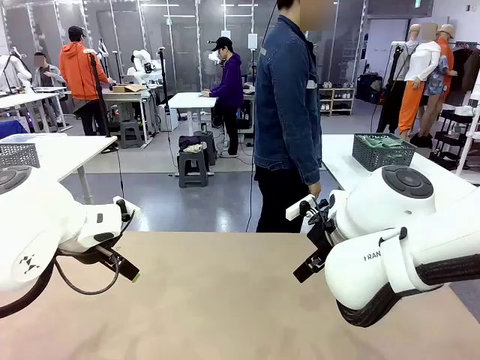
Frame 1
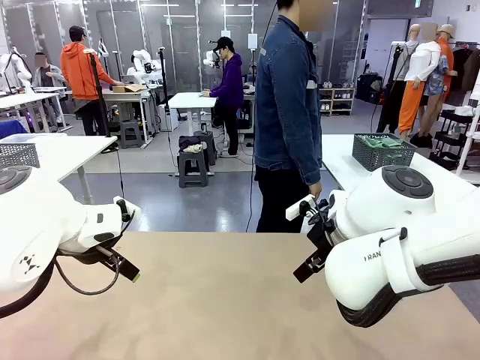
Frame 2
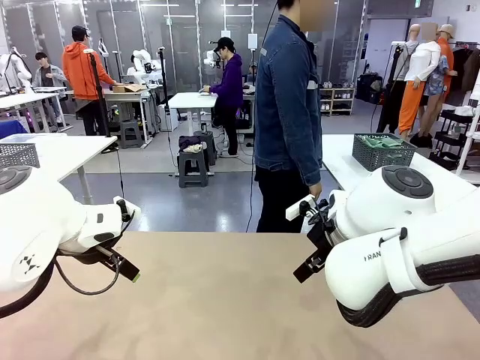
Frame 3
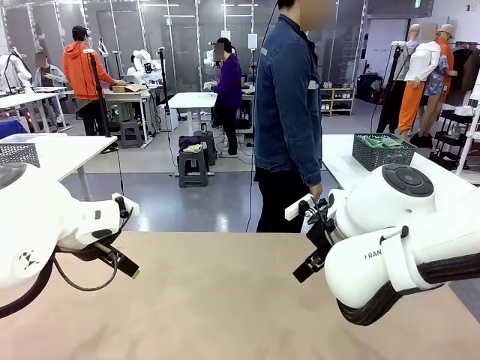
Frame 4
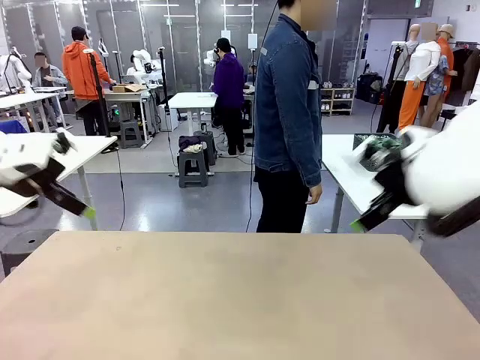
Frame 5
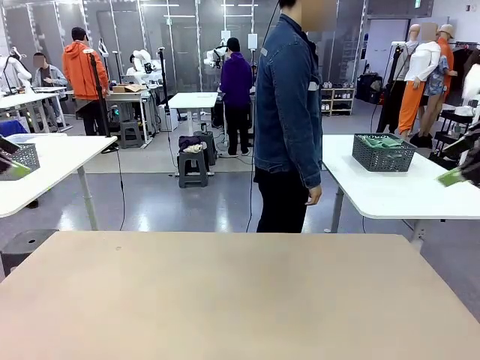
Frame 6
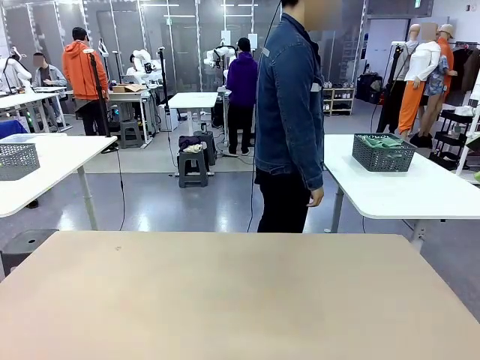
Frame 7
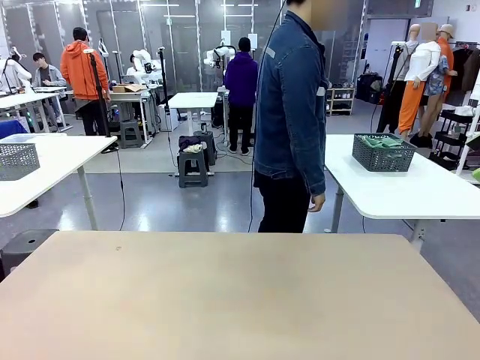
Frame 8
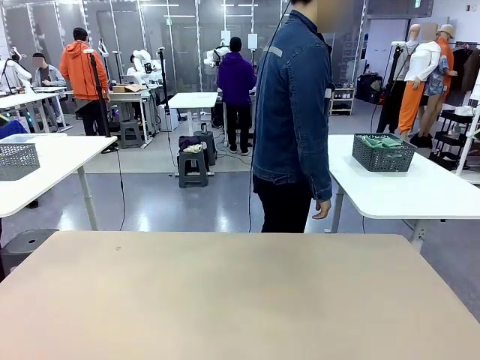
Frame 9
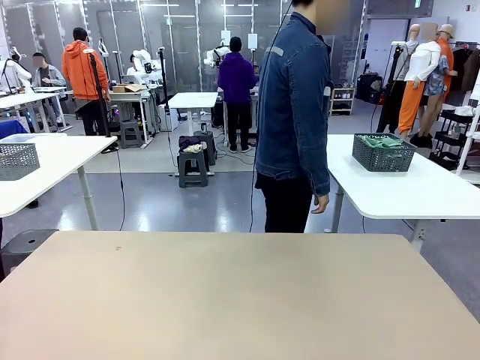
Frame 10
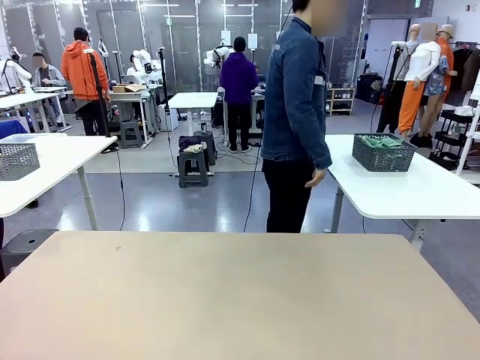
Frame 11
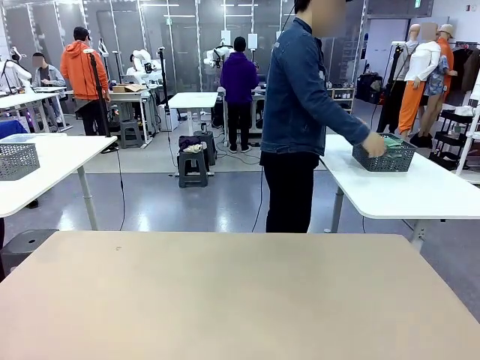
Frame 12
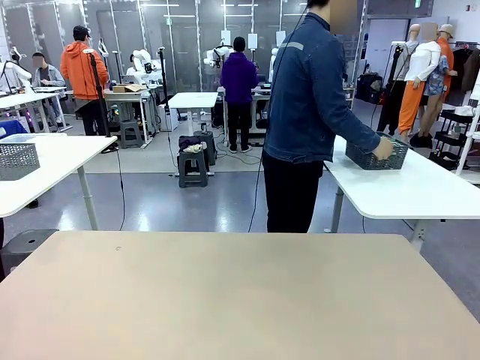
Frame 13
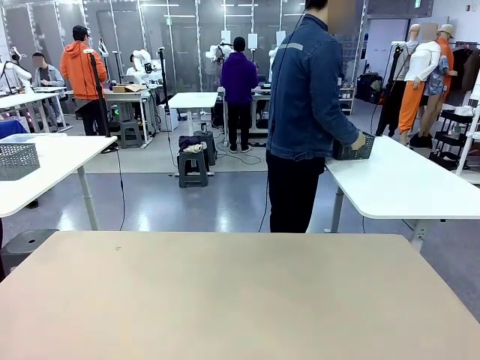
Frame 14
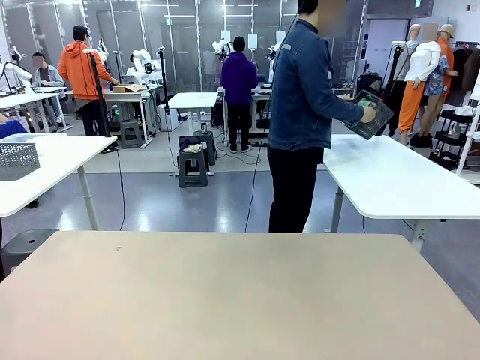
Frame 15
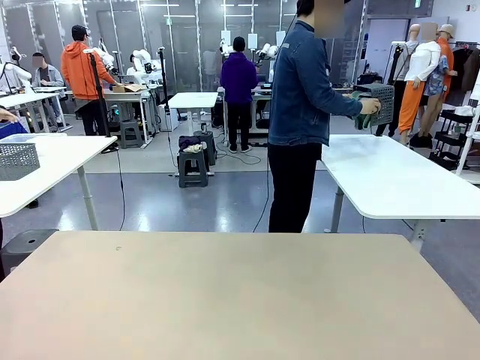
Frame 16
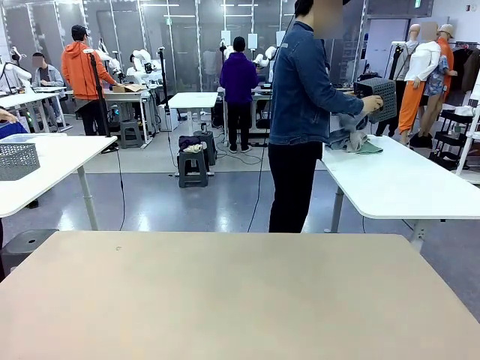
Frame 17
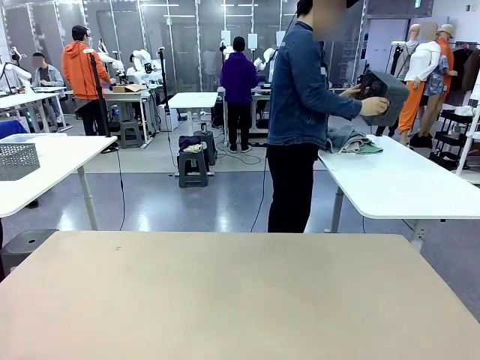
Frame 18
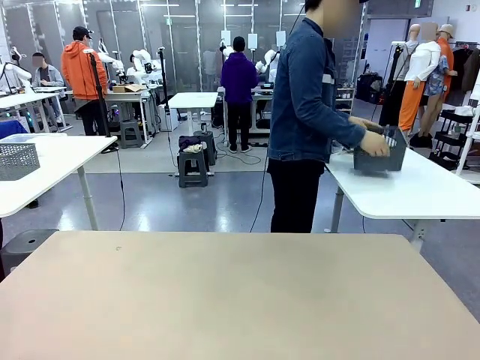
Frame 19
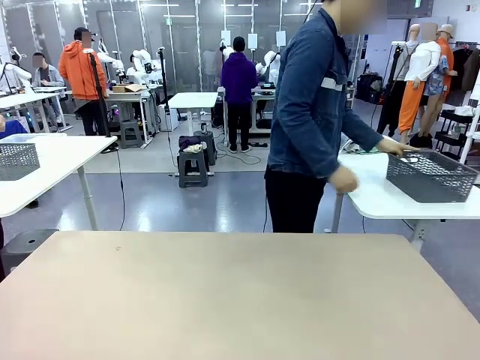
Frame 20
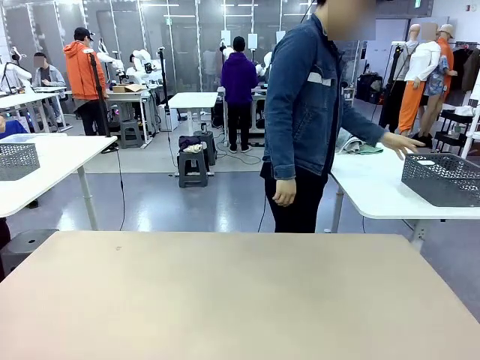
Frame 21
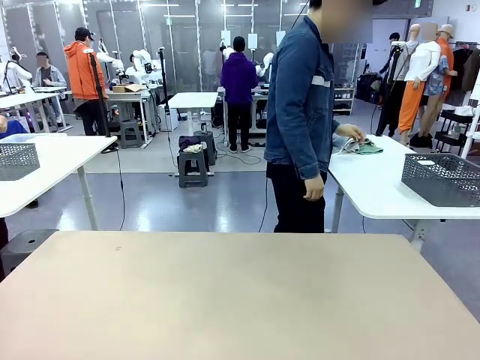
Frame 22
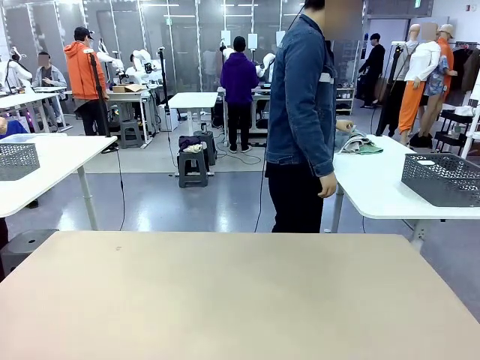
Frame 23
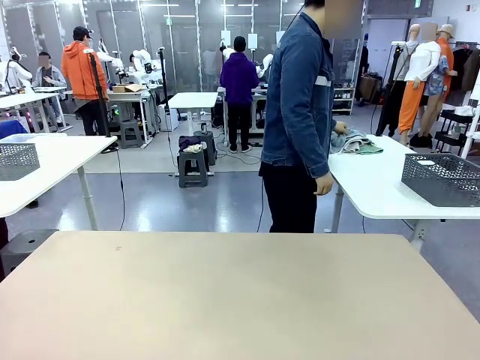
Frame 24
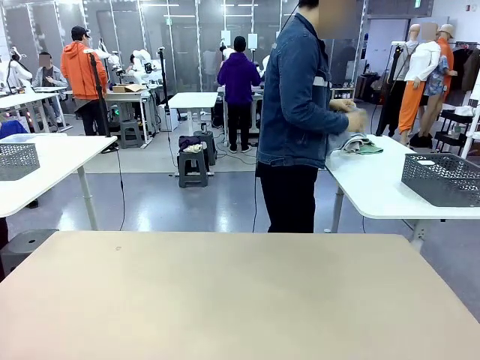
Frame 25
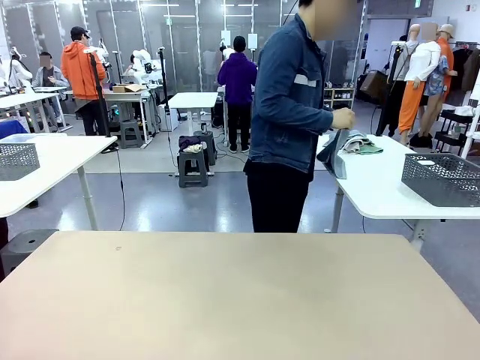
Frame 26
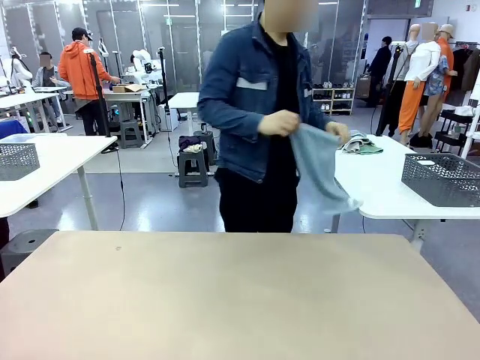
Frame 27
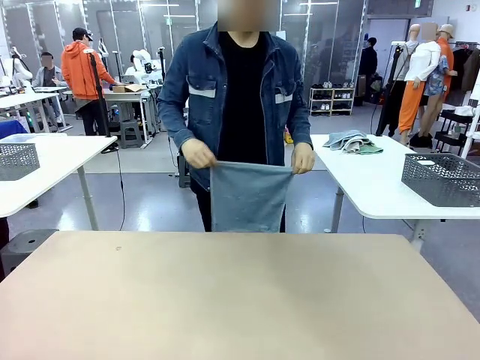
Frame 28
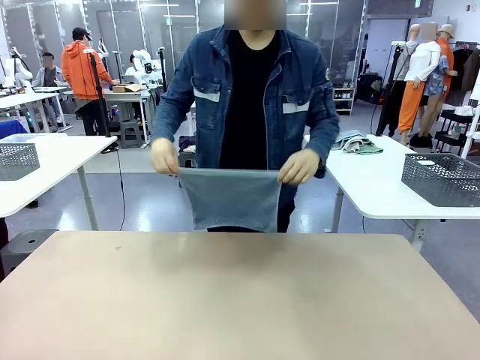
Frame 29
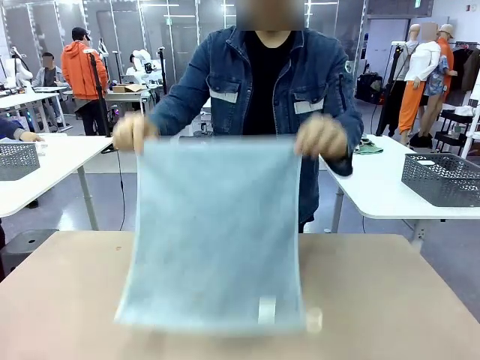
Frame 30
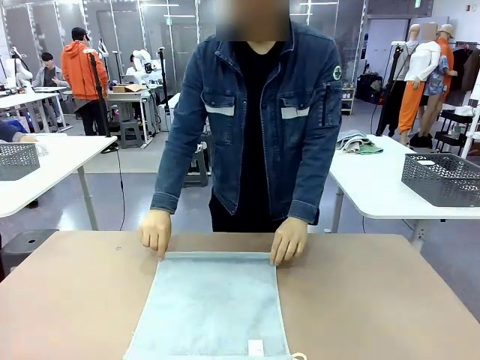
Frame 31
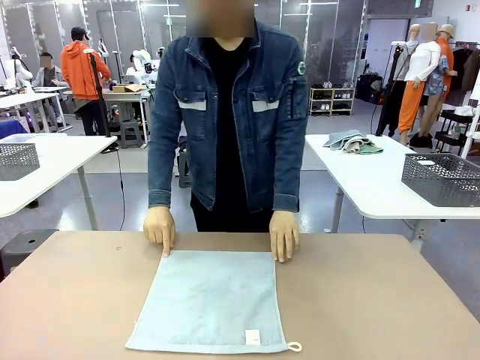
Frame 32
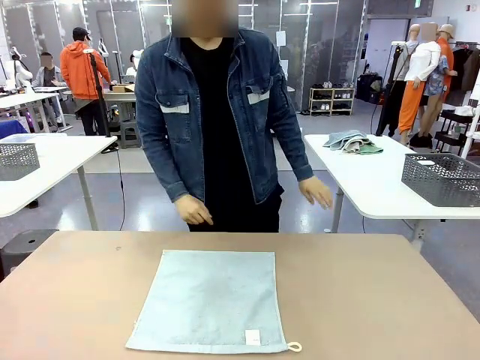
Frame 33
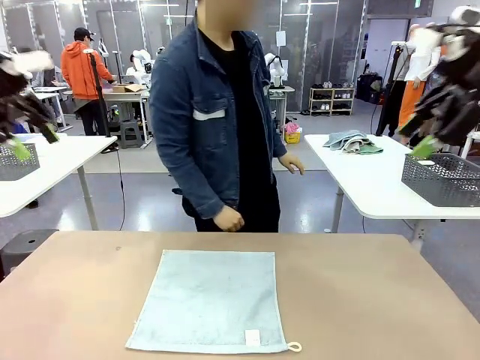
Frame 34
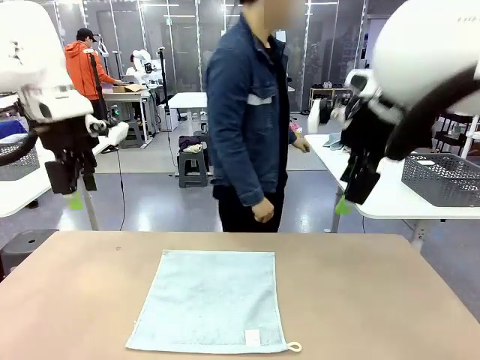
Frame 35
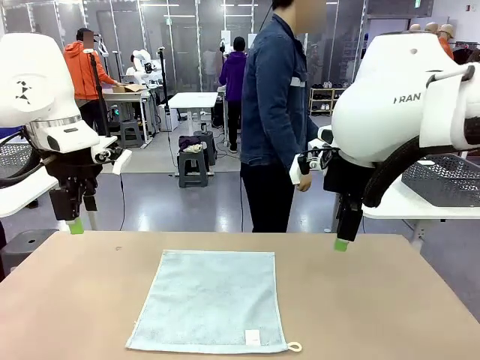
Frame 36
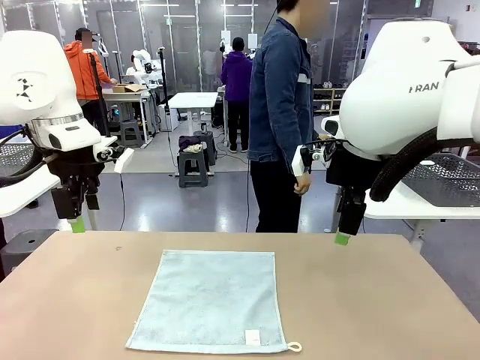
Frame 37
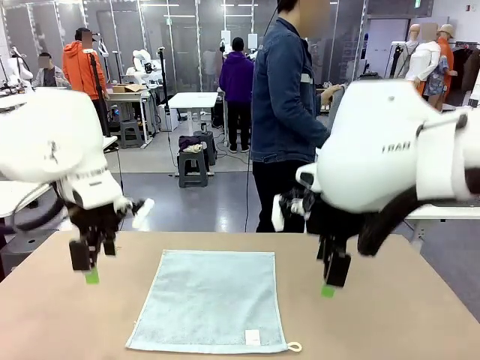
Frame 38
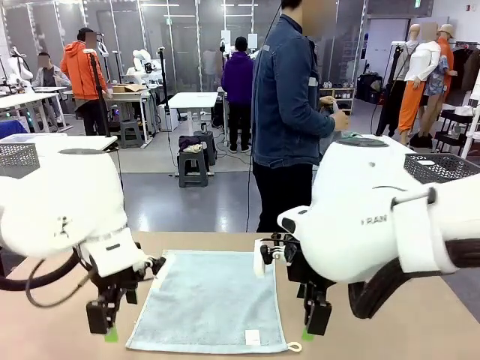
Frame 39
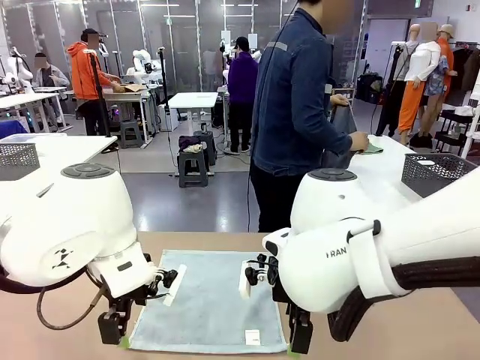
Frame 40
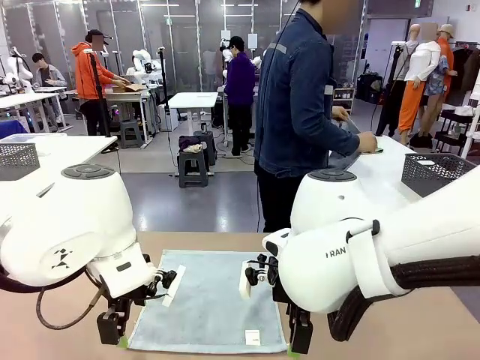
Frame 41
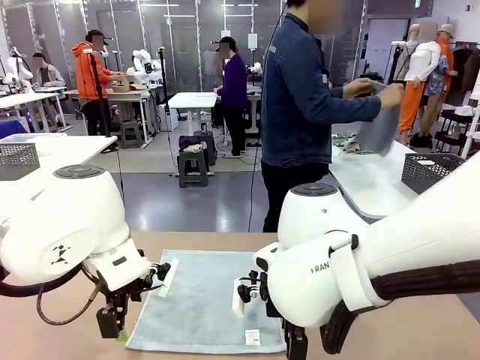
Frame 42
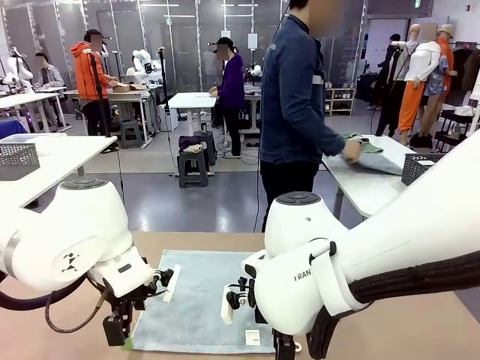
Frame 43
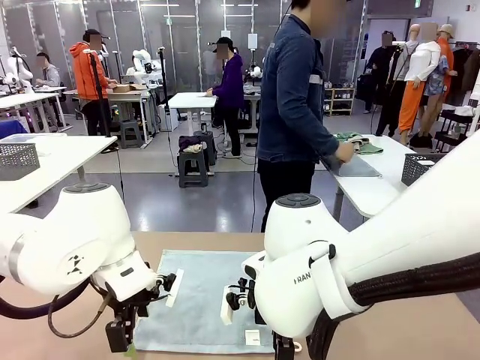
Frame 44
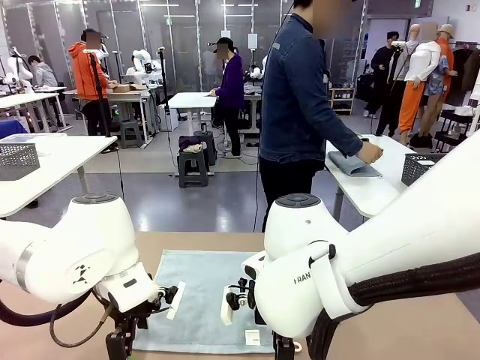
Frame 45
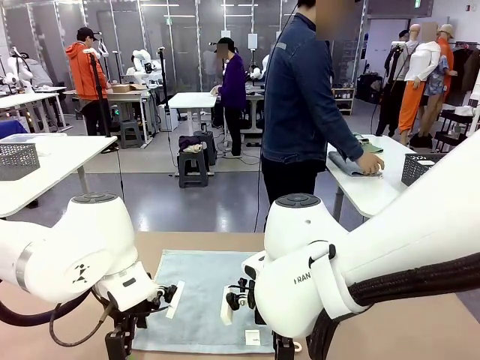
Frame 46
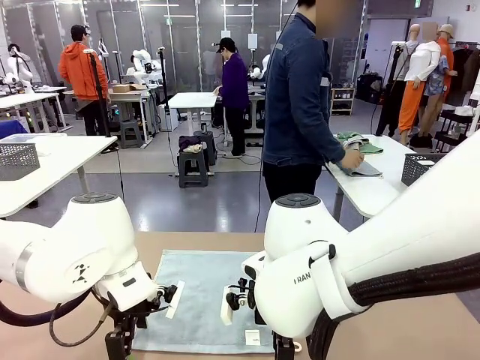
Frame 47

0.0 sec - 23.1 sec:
Task: Fold the towels and place them in the basket.
Robot: When a person lays out a Towel with hook on the table, fold it in half twice.
Person: Pick up the basket, pour the towels onto the left side of the human table, and place the basket on the right side. Pick up one towel and spread it out at the center of the robot table. Pick up one towel from the left side of the human table, fold it in half twice, and place it on the right side of the table.
